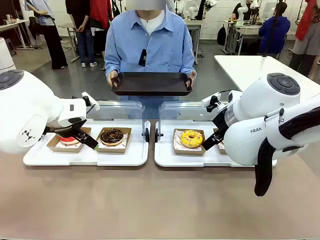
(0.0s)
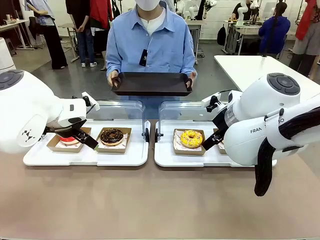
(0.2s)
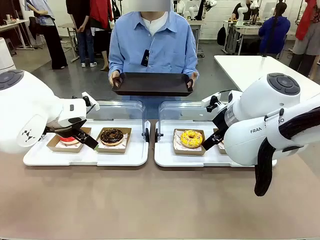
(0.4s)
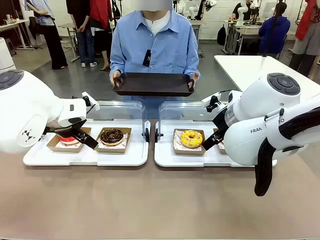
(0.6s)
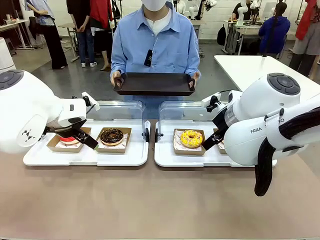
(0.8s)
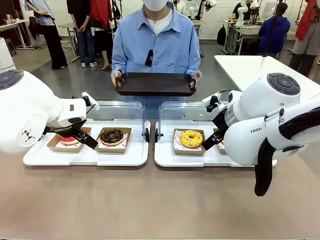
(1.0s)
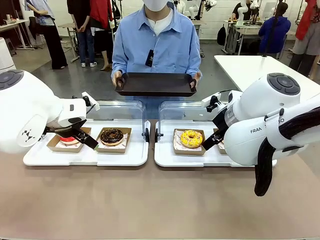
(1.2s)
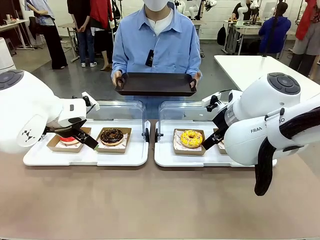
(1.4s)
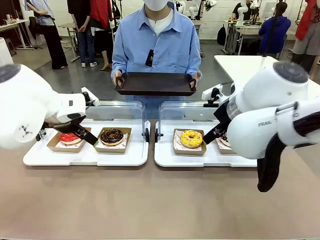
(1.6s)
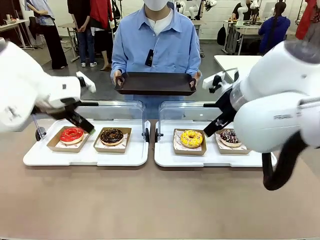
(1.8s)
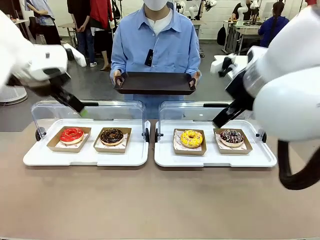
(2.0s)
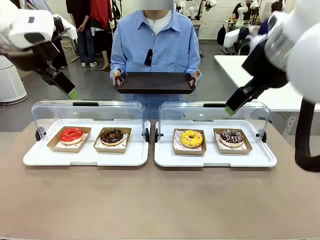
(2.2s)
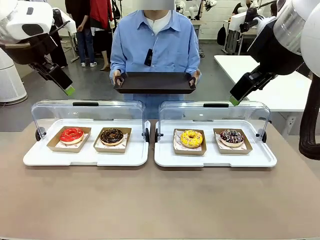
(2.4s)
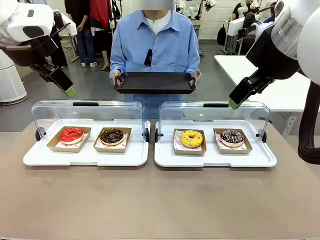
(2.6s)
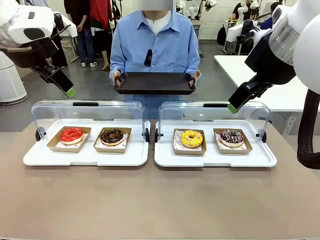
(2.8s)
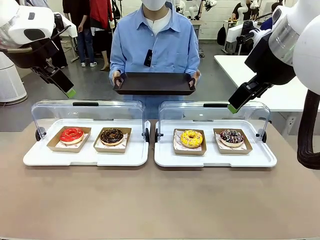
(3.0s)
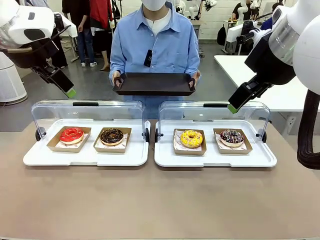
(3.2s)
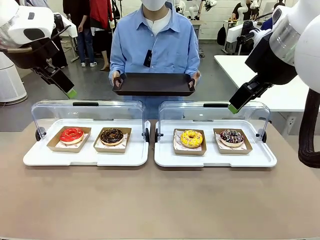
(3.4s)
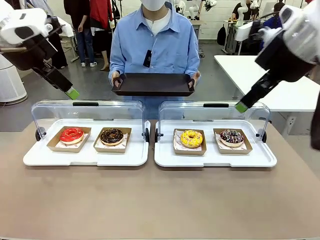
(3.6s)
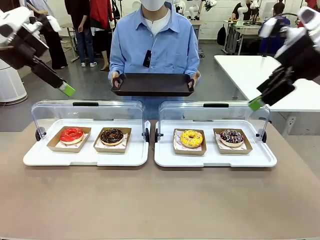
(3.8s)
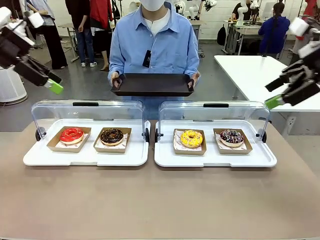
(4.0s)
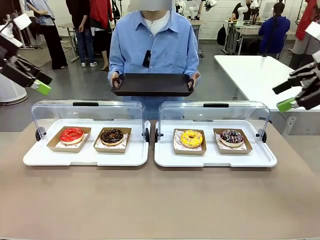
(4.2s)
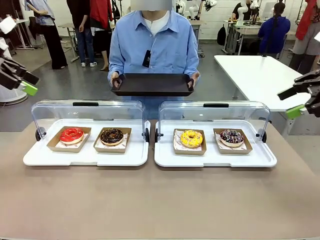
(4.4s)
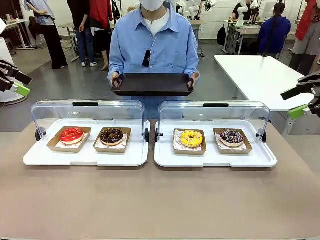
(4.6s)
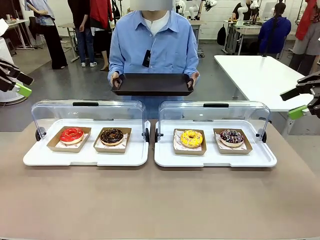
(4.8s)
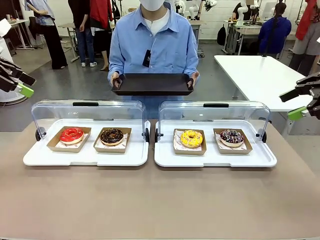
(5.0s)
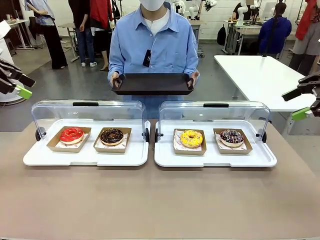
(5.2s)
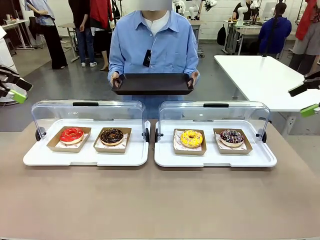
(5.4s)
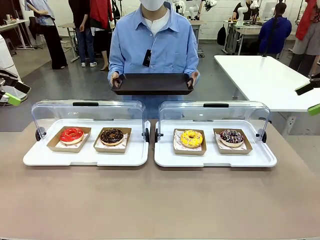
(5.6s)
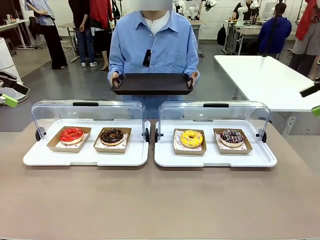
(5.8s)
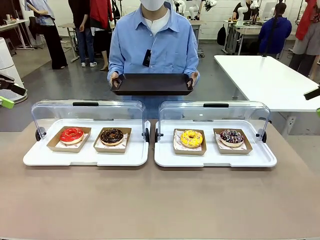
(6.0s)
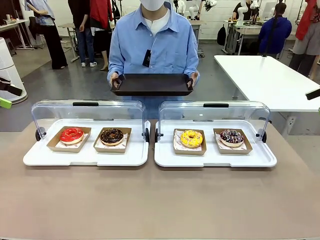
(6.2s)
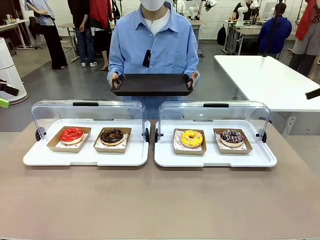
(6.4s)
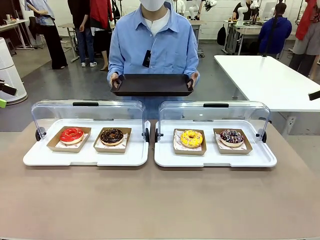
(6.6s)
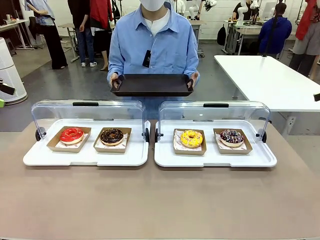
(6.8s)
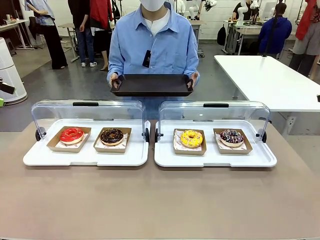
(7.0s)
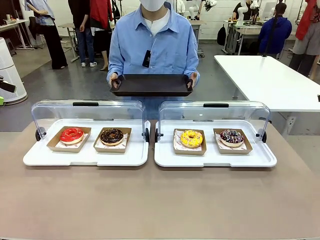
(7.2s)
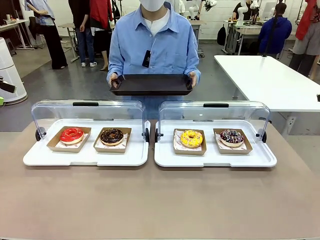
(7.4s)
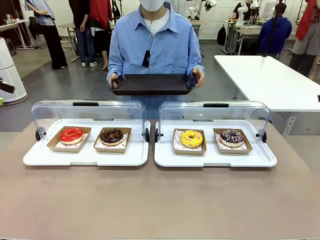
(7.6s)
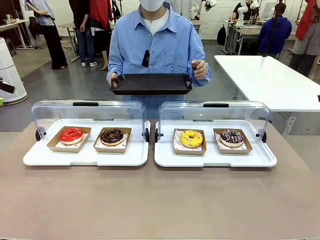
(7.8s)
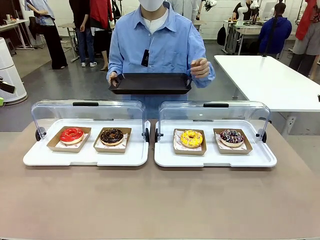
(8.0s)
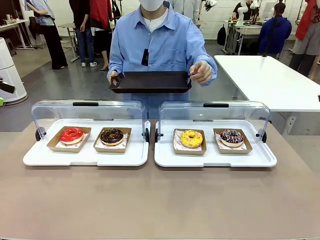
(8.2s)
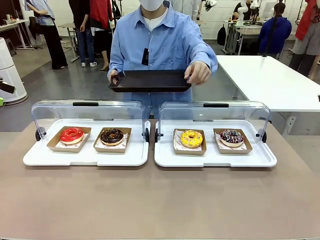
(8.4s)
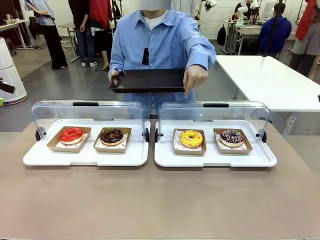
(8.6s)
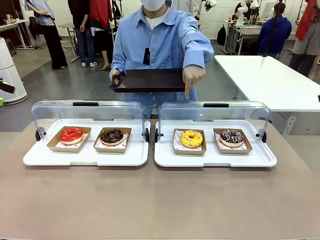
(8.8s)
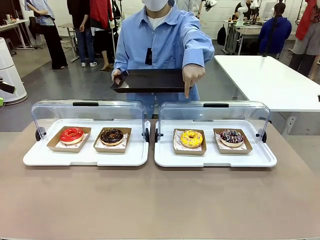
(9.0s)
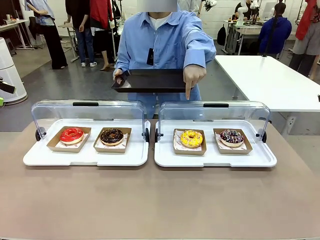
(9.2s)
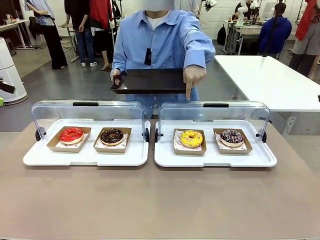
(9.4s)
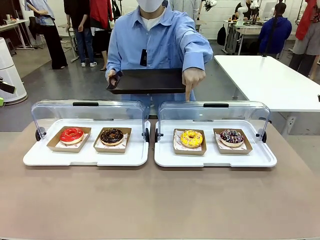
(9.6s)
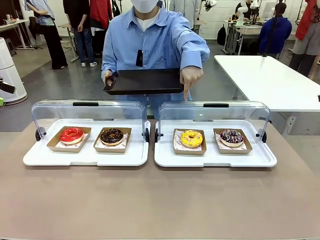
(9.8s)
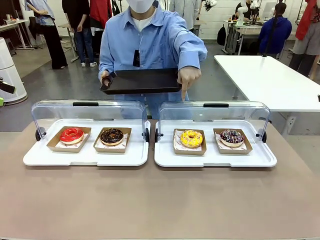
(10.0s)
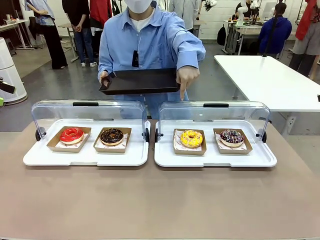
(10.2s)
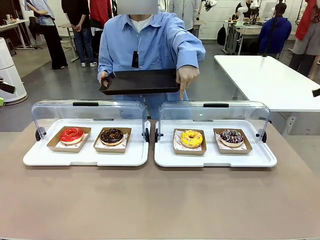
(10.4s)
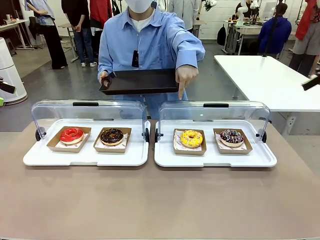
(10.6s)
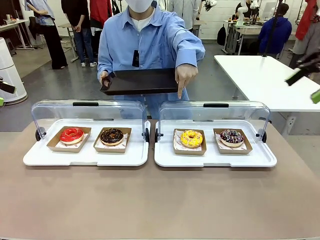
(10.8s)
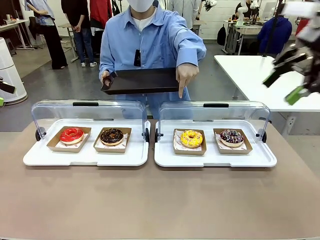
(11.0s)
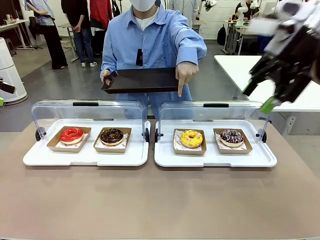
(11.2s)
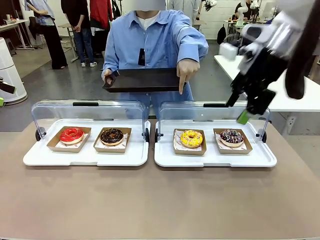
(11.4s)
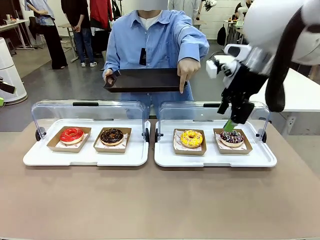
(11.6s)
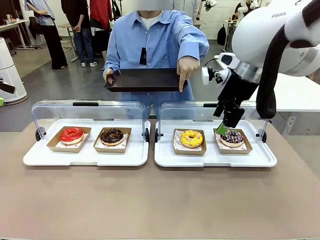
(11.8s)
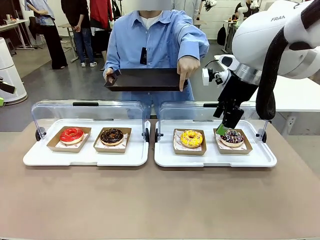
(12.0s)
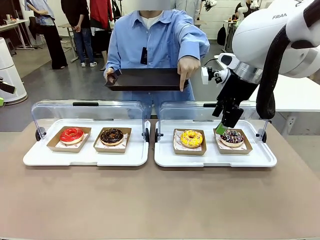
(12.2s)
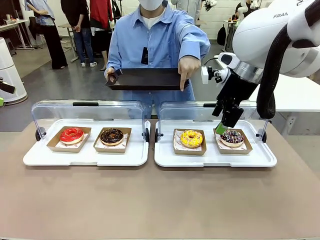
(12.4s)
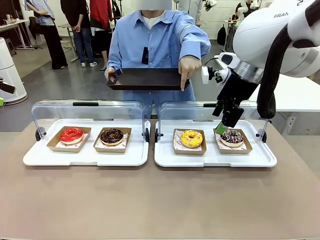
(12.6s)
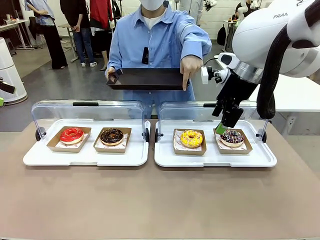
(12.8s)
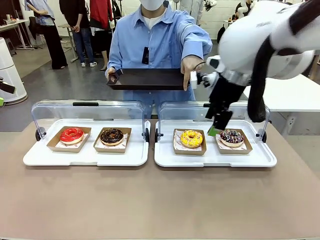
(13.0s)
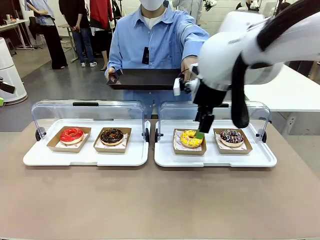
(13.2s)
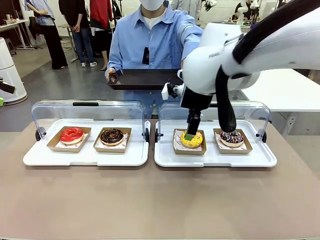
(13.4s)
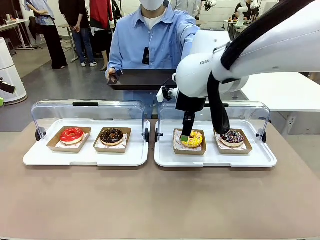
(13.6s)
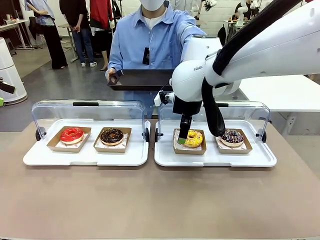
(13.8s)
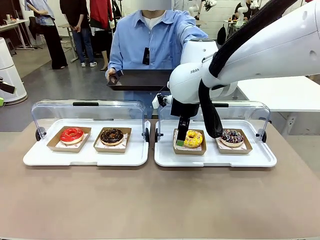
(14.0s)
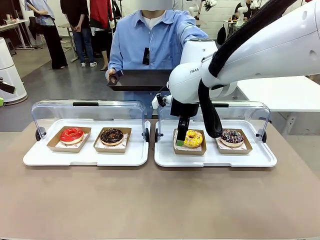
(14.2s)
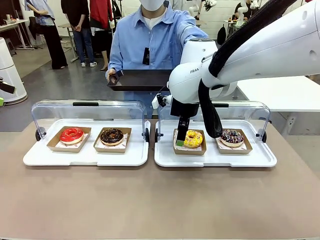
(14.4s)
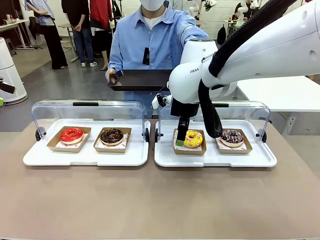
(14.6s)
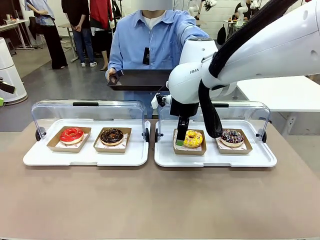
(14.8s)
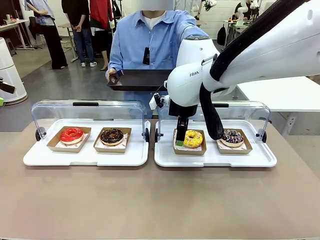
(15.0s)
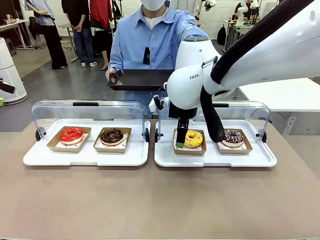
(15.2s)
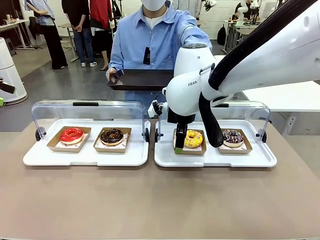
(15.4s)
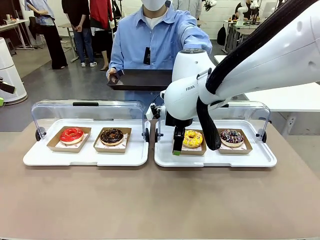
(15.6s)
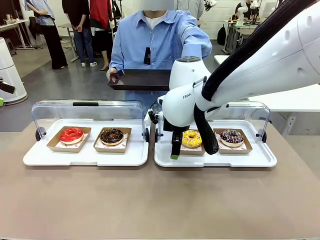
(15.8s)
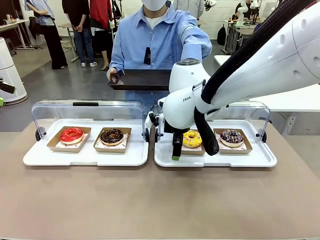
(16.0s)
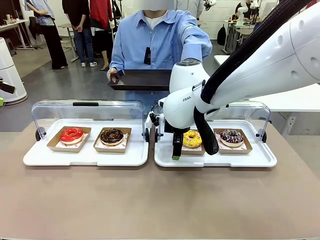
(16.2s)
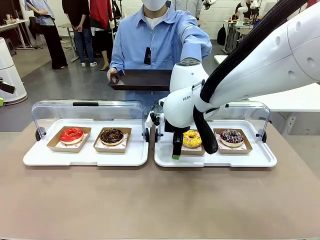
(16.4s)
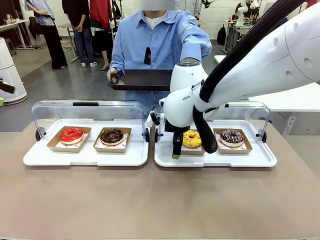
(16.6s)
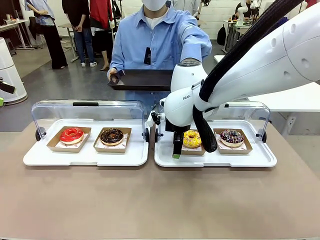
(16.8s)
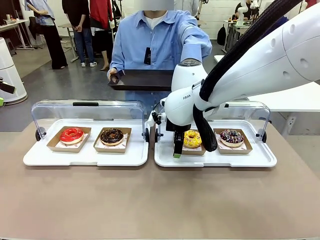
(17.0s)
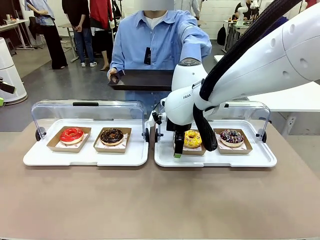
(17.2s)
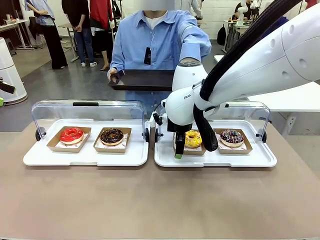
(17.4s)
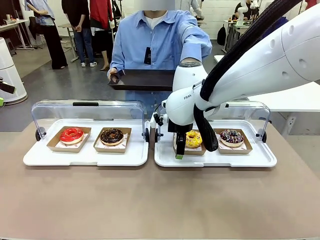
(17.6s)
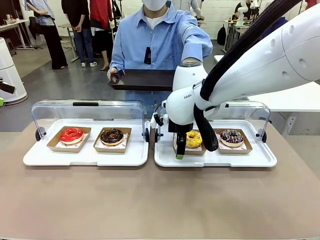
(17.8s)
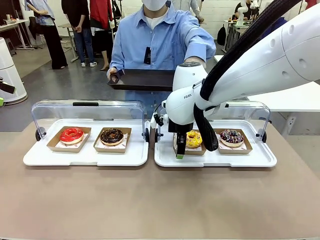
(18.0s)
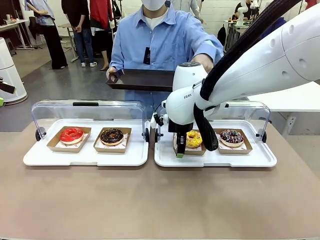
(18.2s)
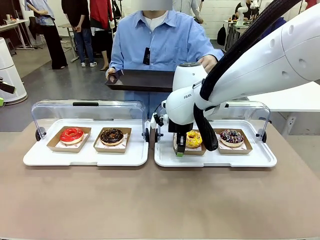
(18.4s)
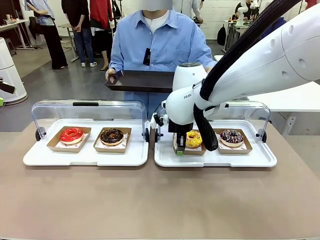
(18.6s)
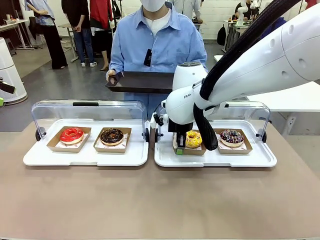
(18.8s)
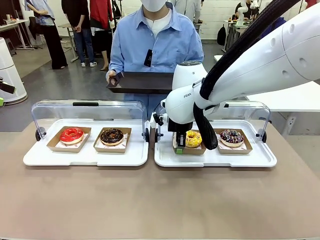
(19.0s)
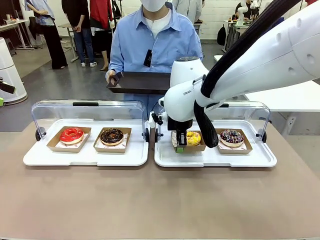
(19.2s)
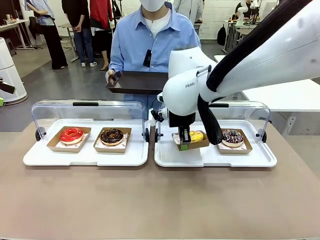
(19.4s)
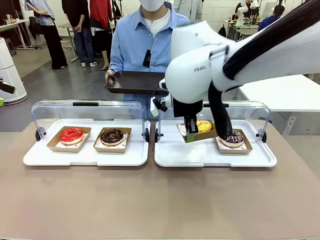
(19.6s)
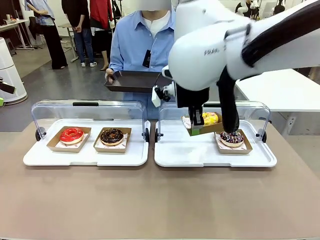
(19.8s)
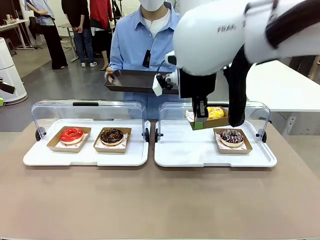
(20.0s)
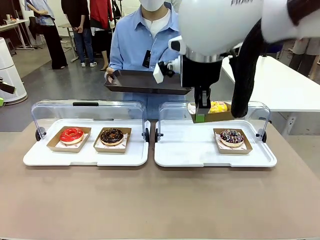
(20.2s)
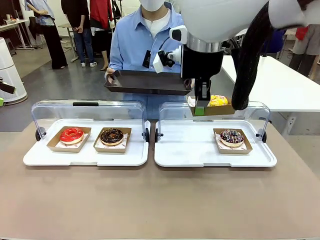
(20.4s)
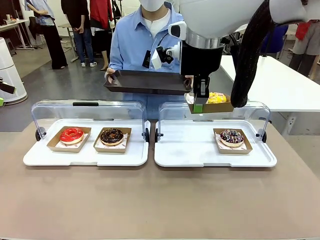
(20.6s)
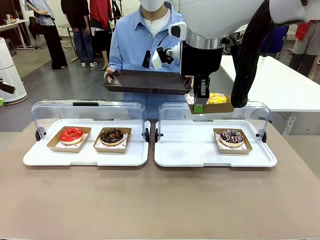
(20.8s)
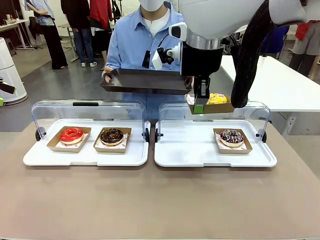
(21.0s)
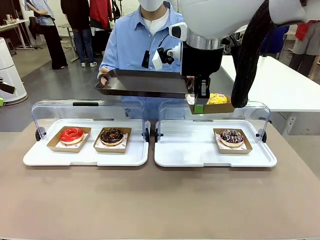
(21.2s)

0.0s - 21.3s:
Task: Provide the desired donut to the person.
Robot: Pick up and lift the Paper togo box containing the Donut pointed at by the person.
Person: Point to one donut. Lift the tray onto the Roll-Top Bakery Case.
